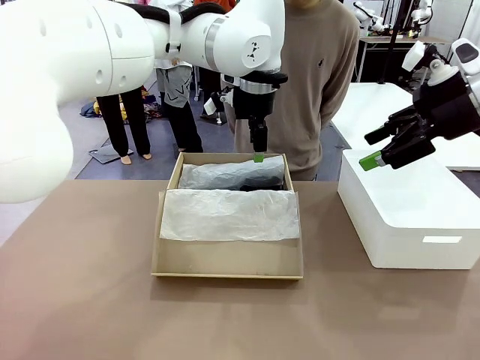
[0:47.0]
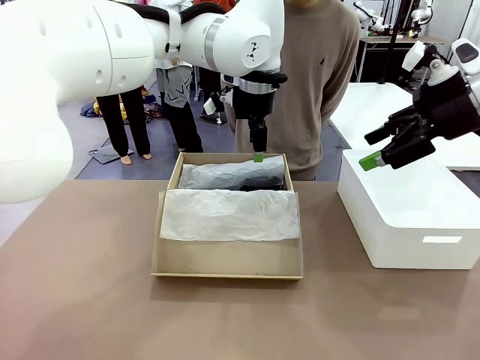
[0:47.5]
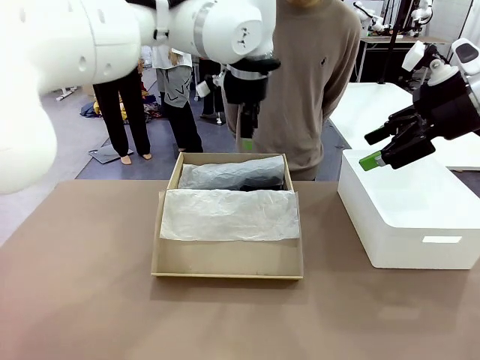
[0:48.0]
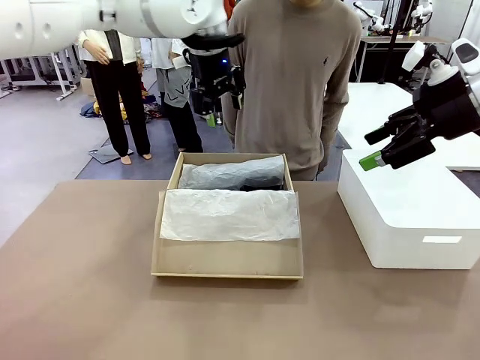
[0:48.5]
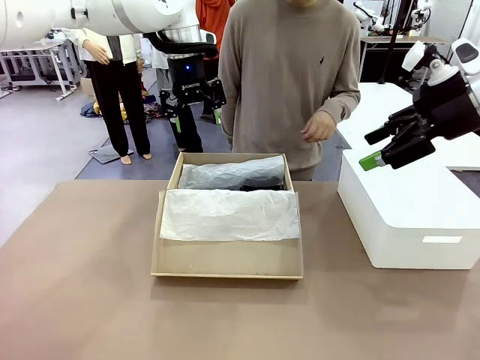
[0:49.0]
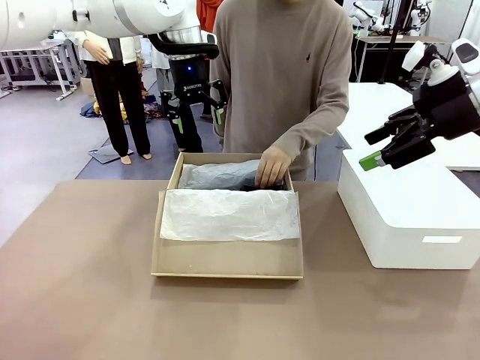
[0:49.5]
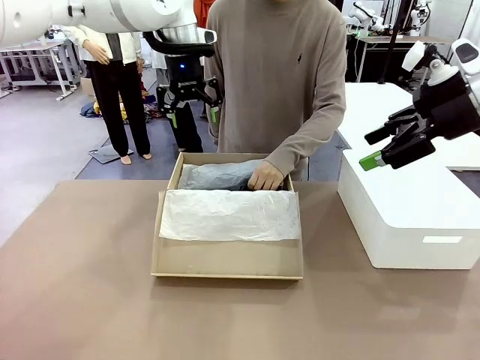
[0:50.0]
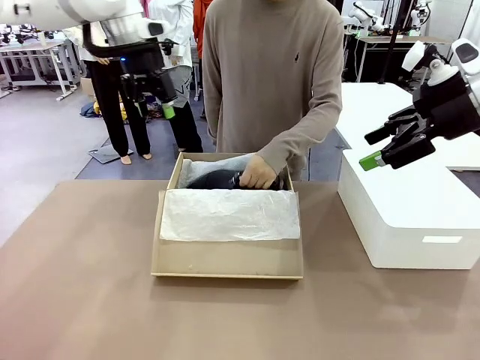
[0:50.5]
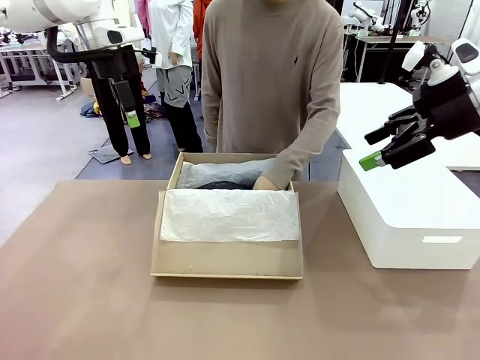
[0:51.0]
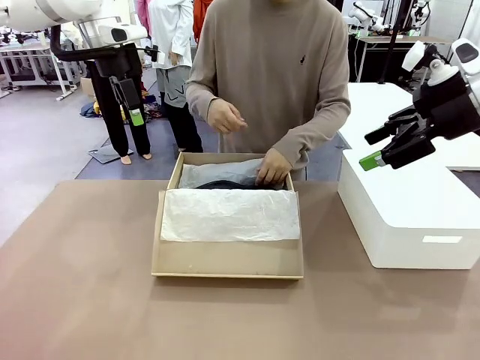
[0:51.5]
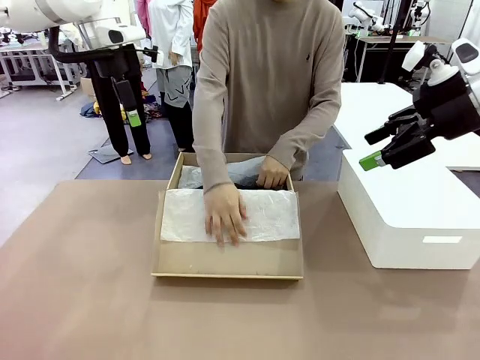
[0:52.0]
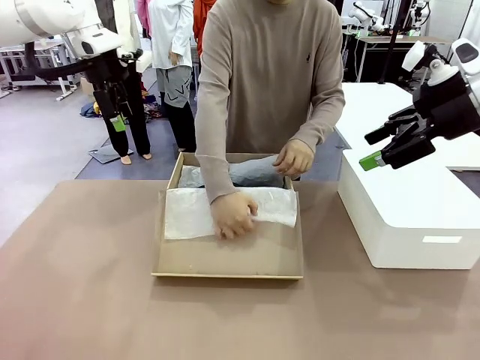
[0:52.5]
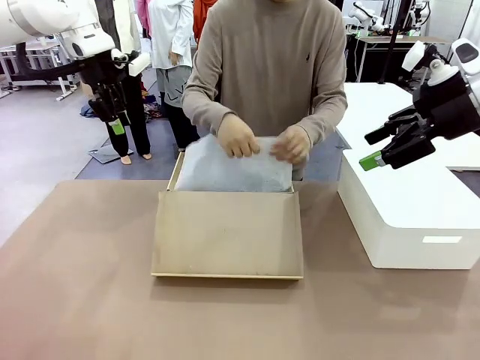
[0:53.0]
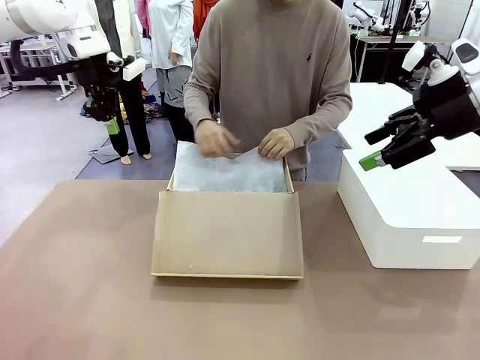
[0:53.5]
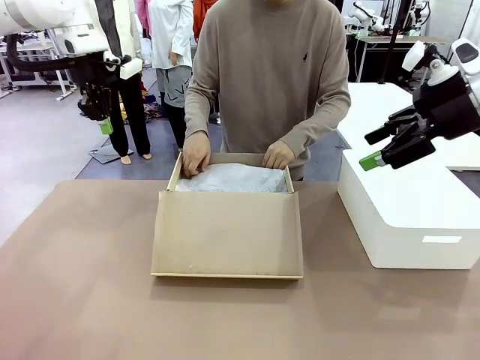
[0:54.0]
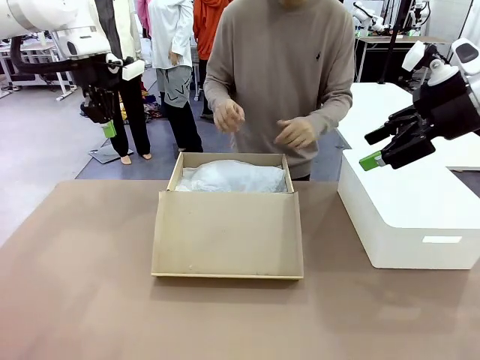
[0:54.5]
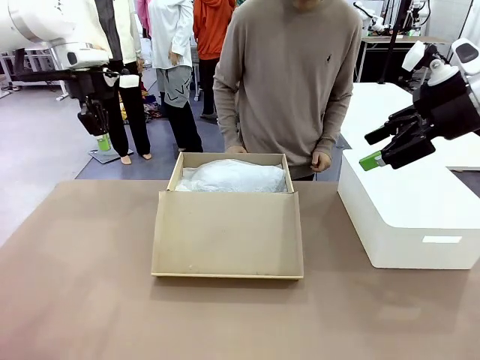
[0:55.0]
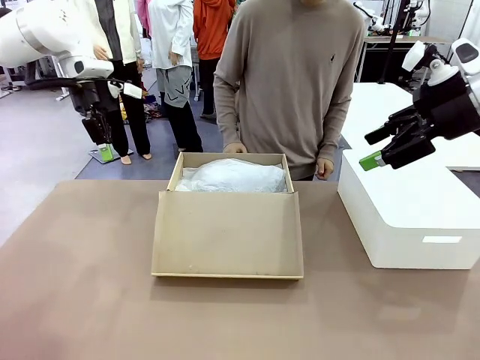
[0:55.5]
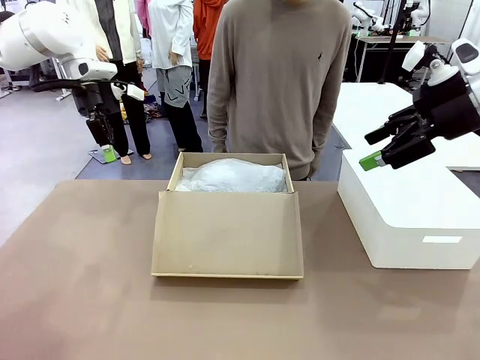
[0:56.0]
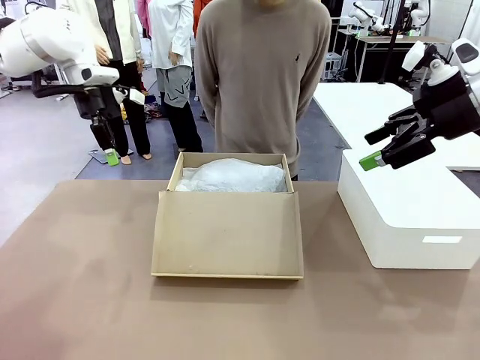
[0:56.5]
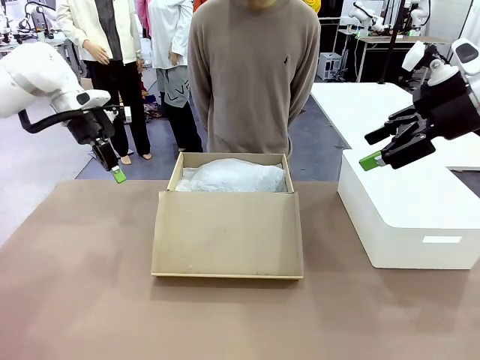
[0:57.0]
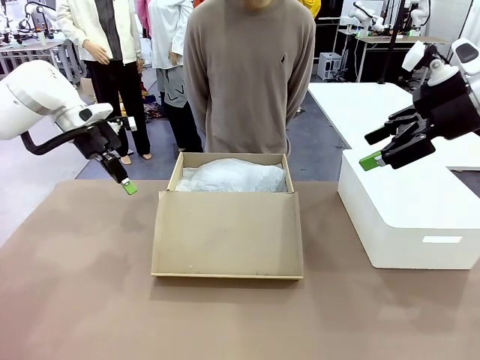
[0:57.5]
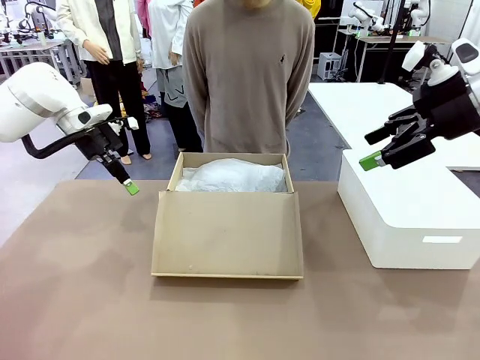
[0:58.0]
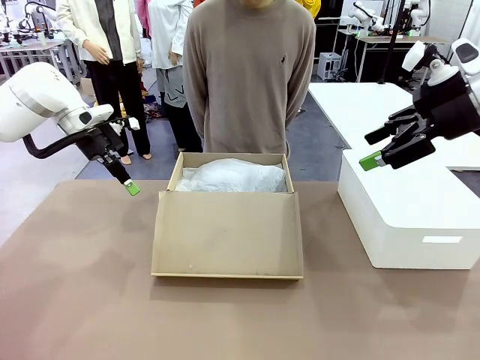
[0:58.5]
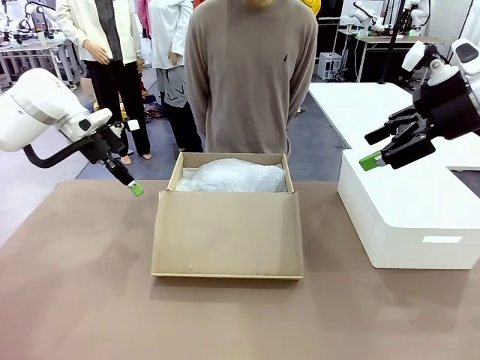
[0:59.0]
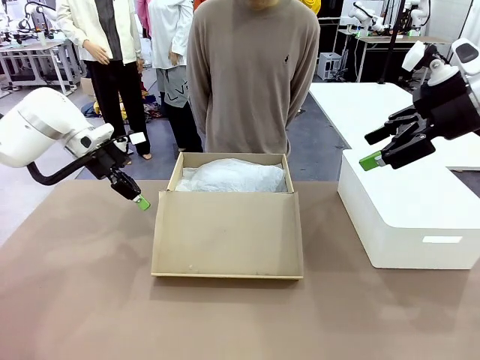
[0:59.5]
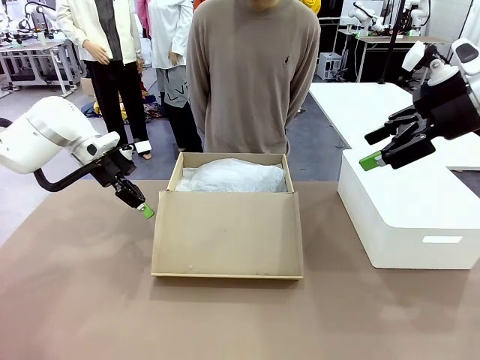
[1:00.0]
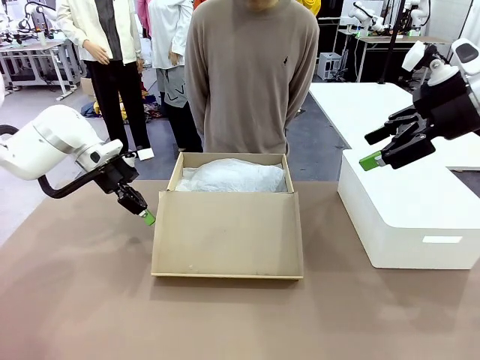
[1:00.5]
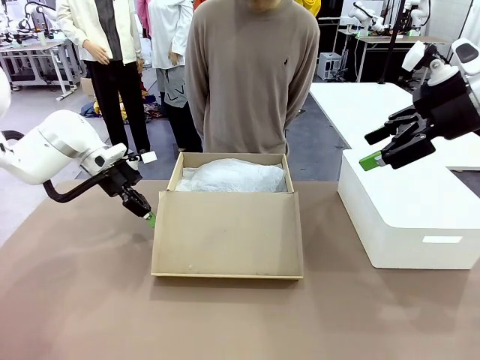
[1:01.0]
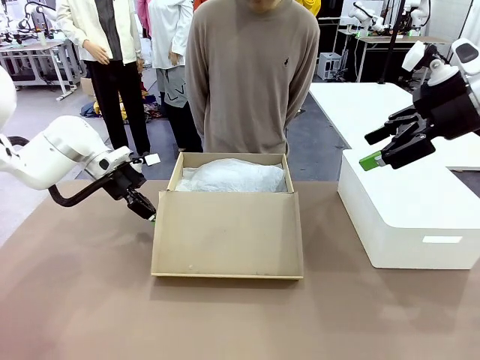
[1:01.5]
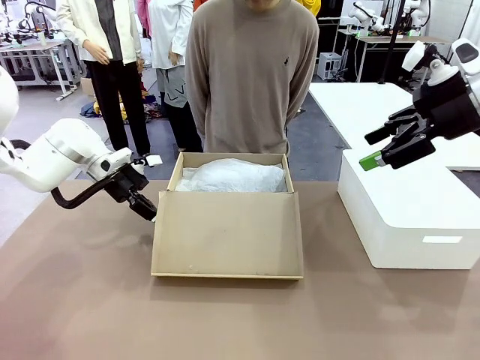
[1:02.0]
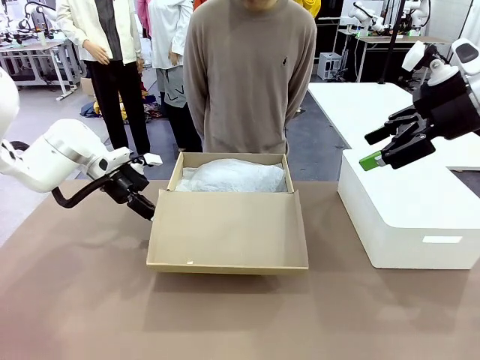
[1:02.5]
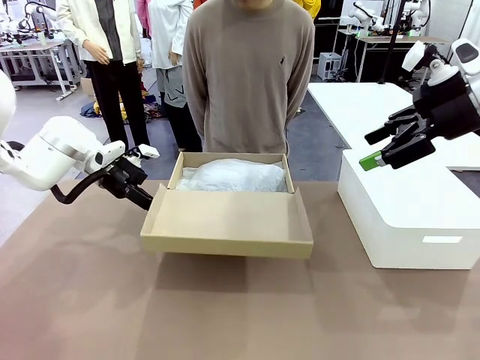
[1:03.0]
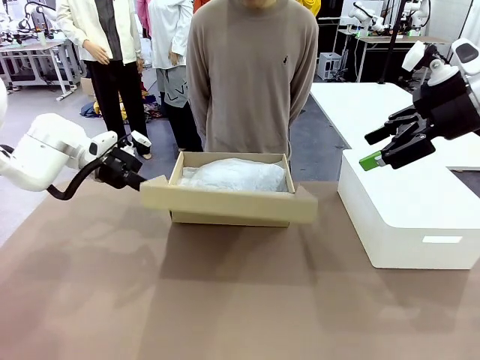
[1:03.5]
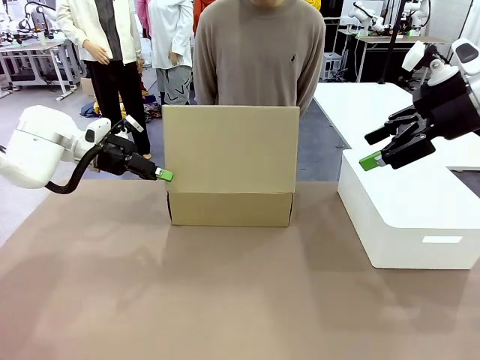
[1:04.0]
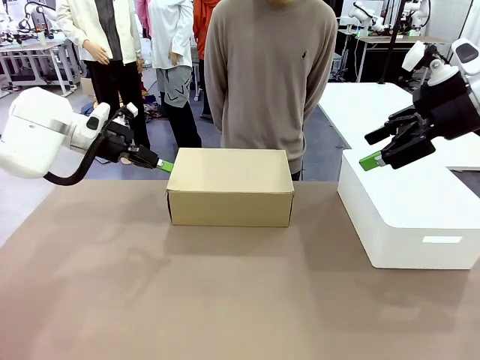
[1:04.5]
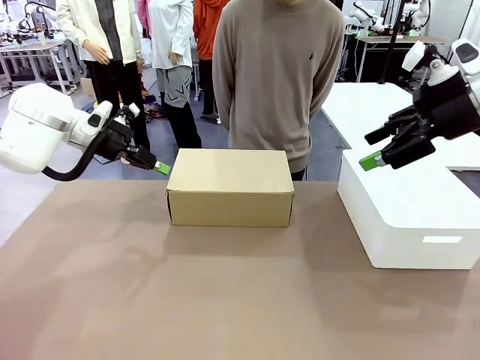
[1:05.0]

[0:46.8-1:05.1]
Task: Pack the shoes into the box.
Robot: Close the Shoes Box.

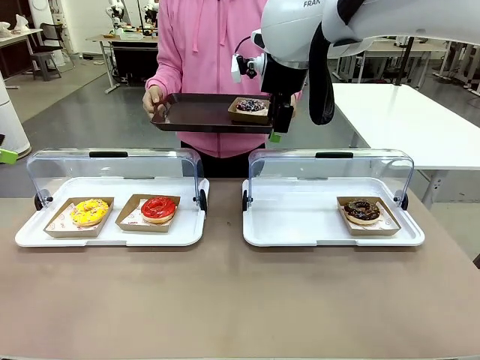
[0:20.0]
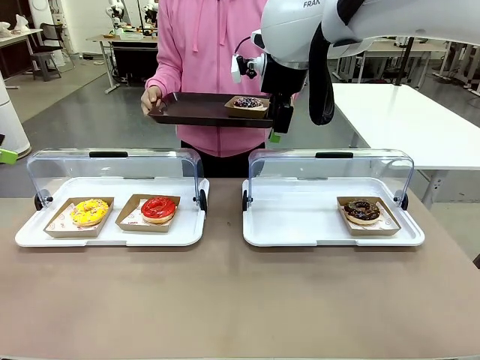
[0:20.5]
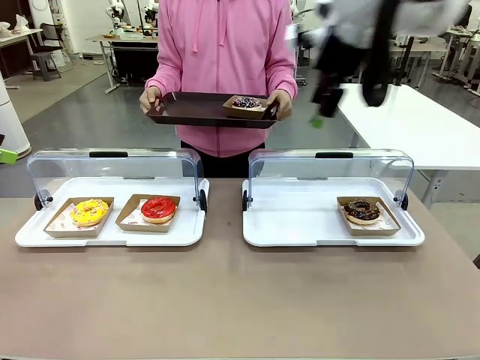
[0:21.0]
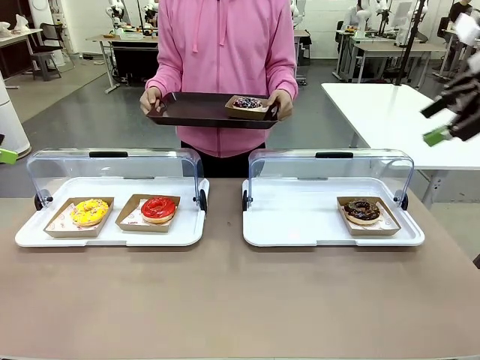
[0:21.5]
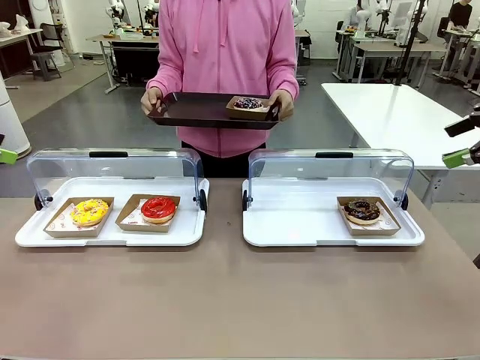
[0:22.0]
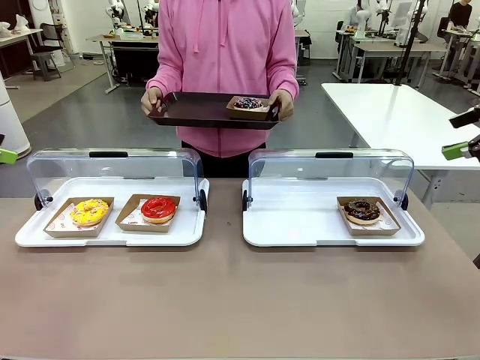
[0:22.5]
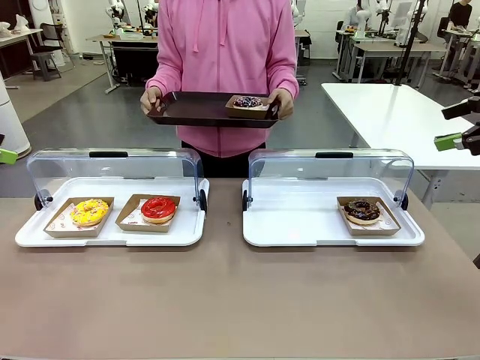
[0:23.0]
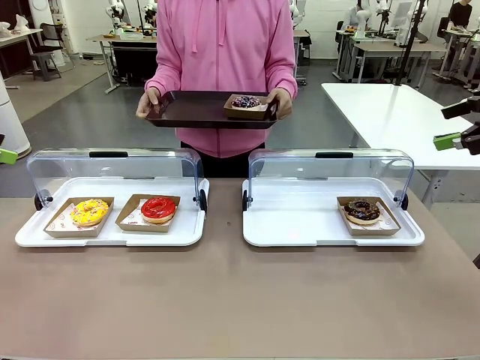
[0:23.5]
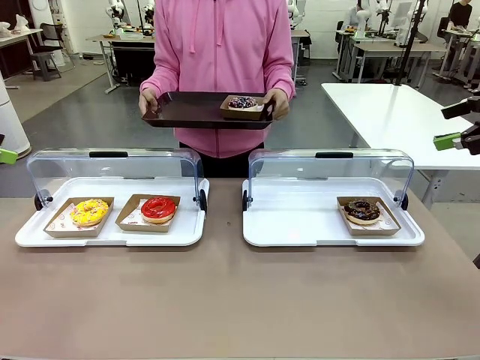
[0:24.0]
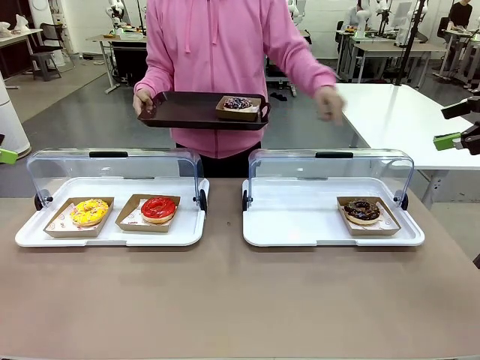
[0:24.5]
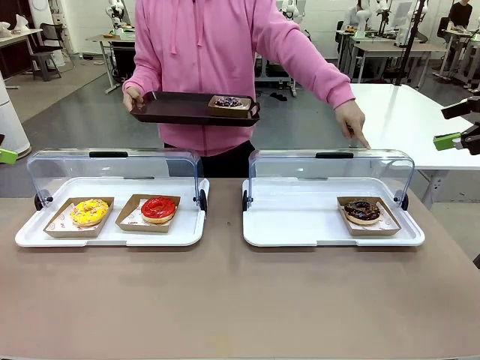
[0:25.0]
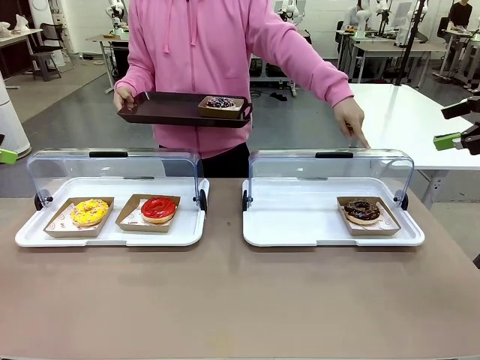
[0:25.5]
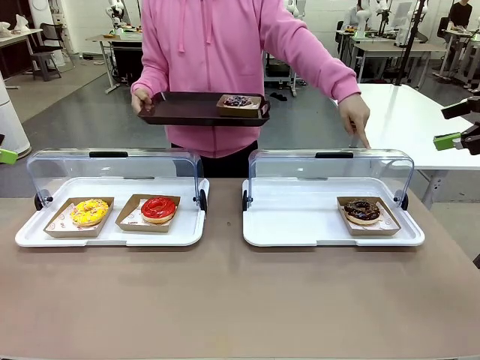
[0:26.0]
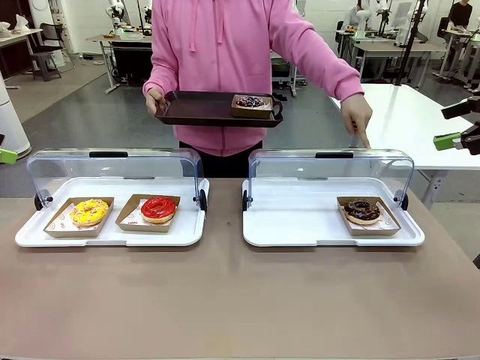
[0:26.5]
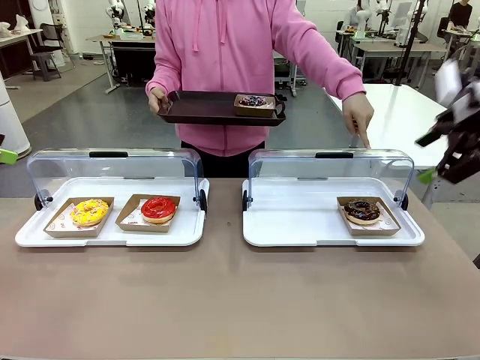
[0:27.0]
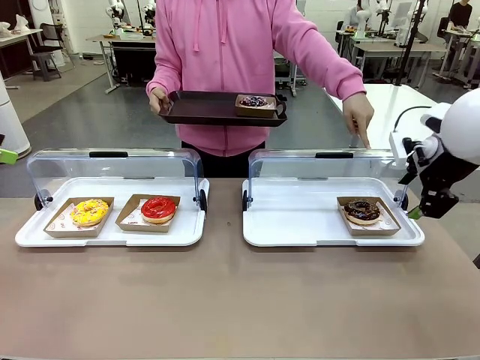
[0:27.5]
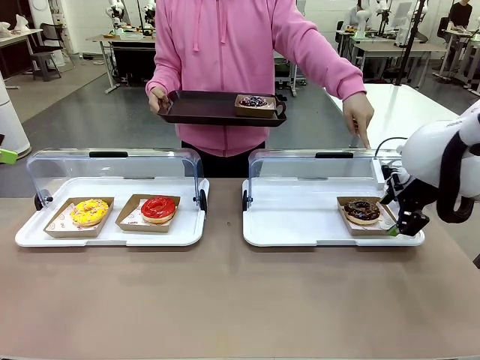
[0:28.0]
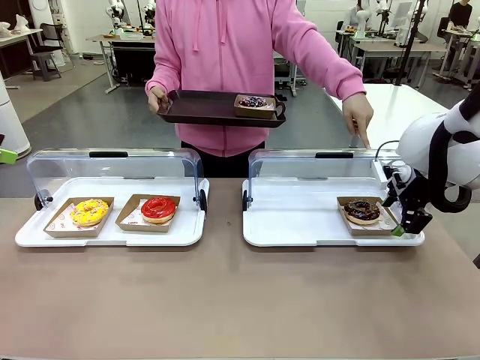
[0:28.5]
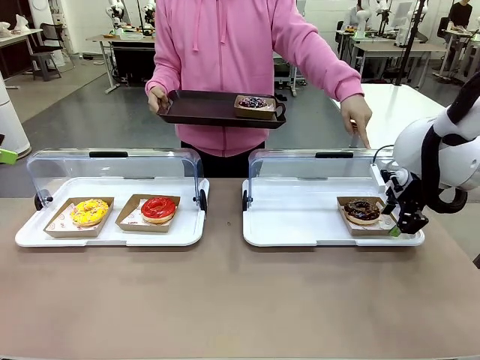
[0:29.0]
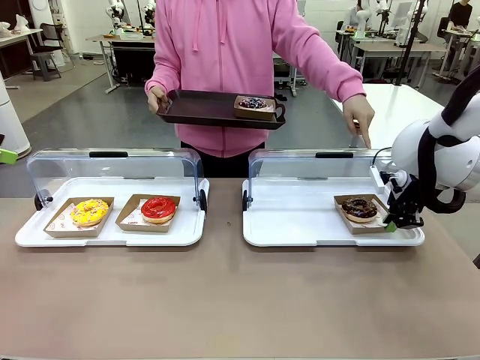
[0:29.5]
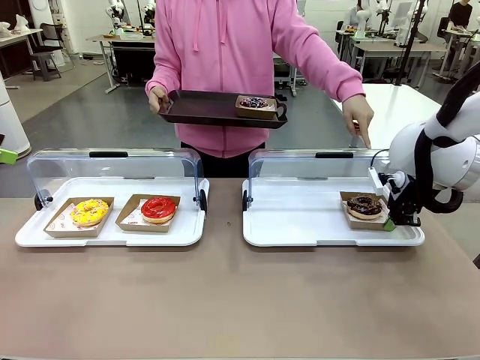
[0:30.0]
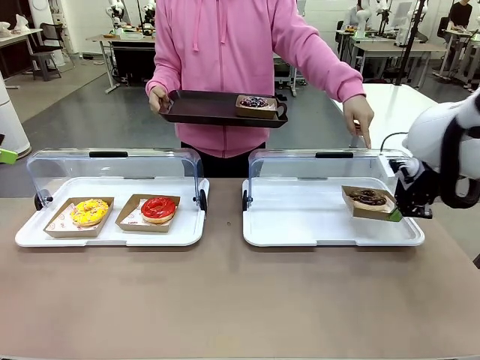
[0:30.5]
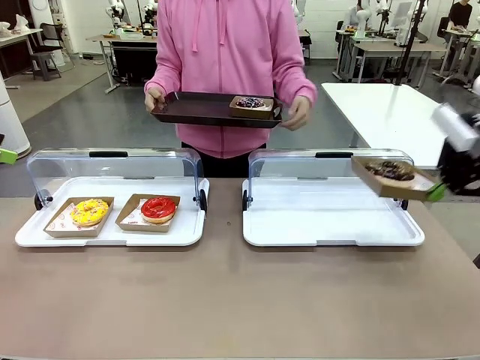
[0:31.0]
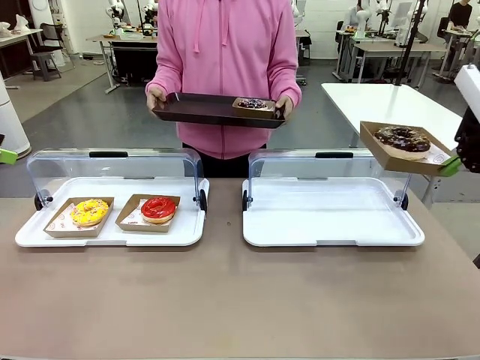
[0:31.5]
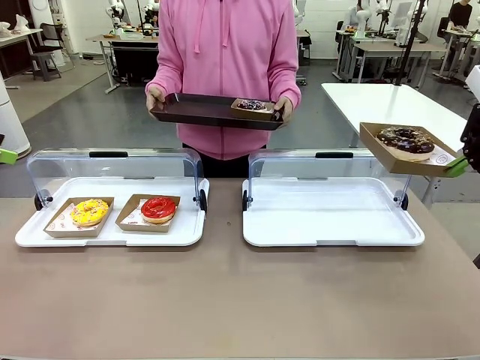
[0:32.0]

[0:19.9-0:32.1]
Task: Provide the desired donut to the person.
Robot: Pick up and lift the Paper togo box containing the Donut pointed at by the person.
Person: Point to one donut. Lift the tray onto the Roll-Top Bakery Case.
